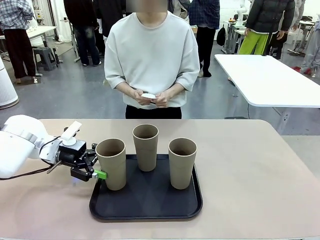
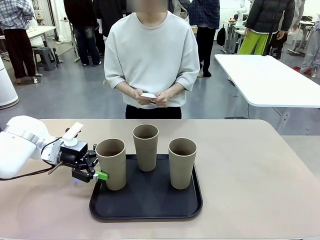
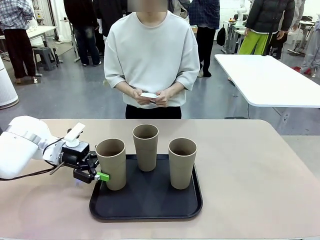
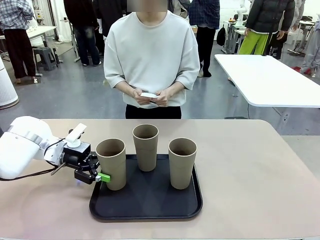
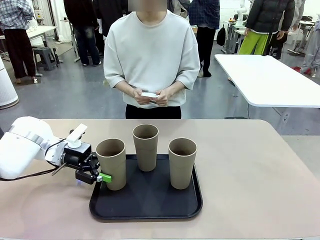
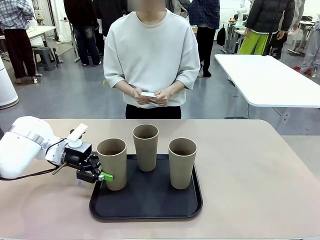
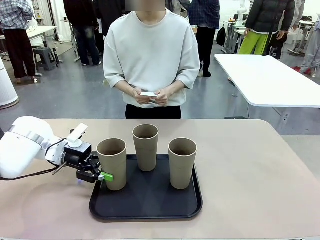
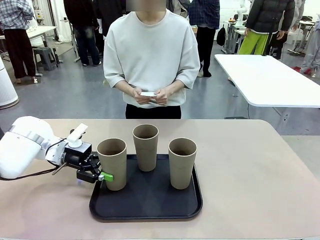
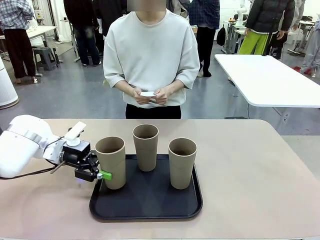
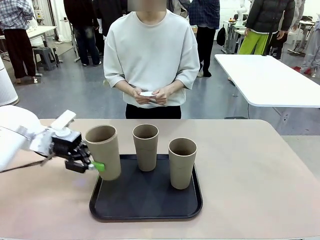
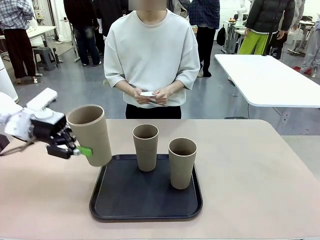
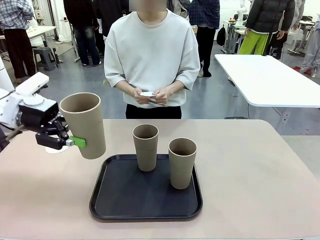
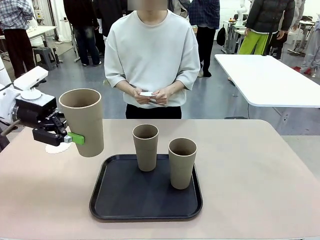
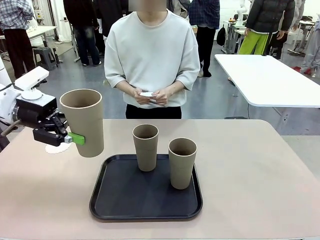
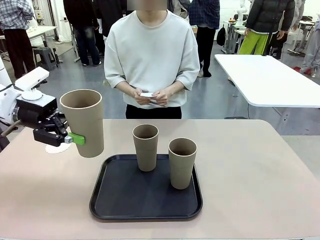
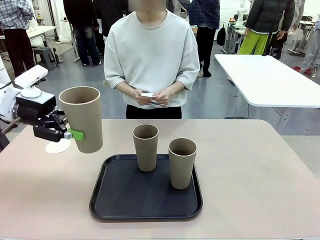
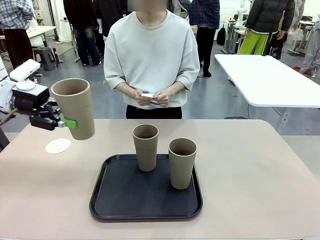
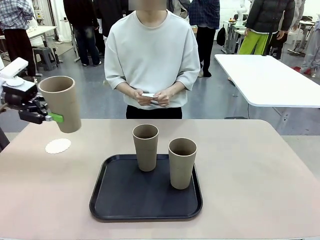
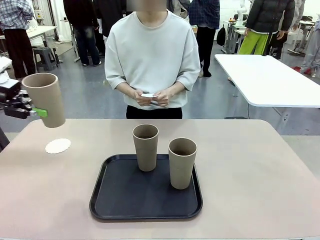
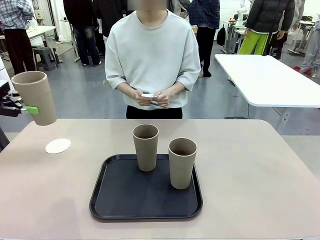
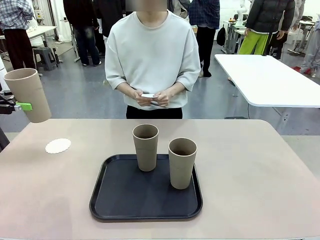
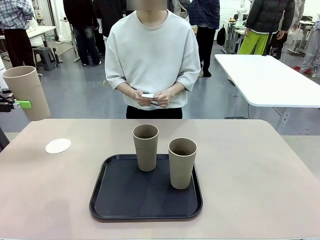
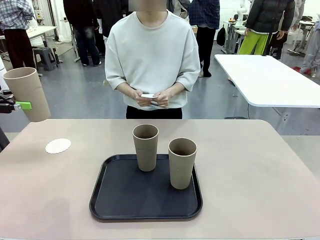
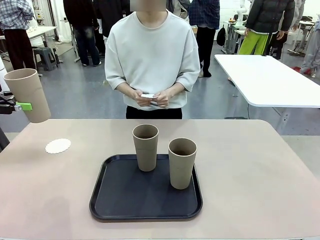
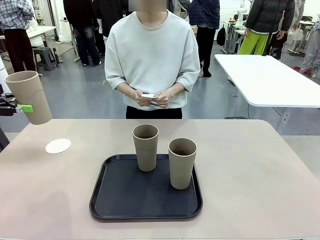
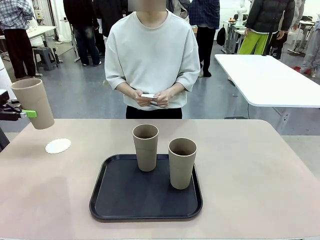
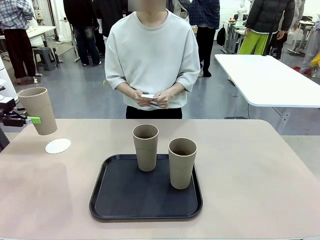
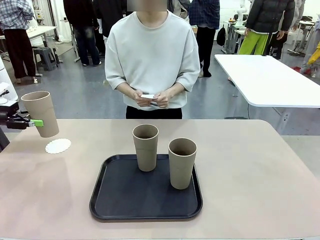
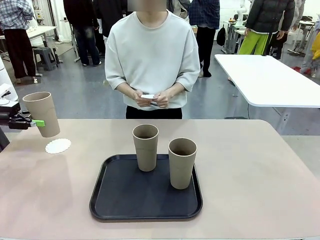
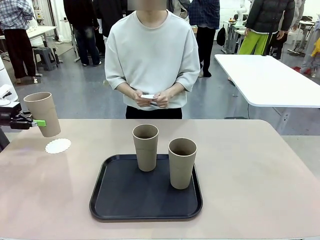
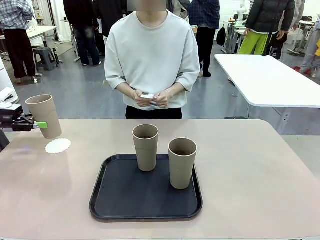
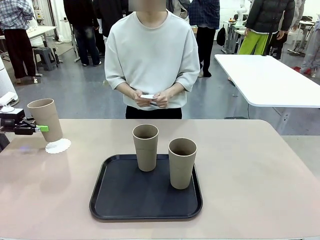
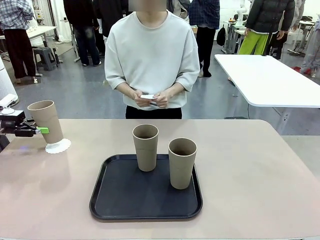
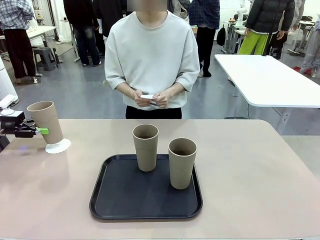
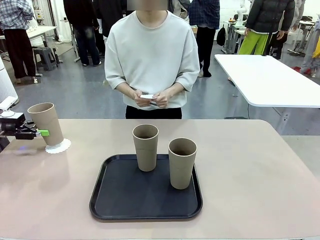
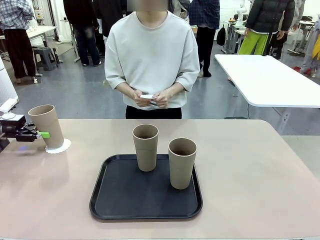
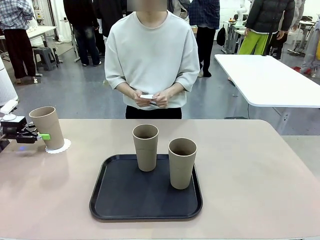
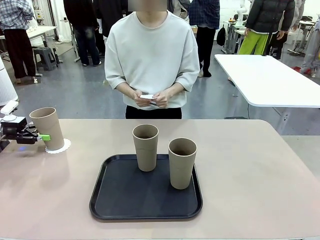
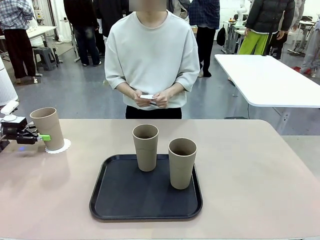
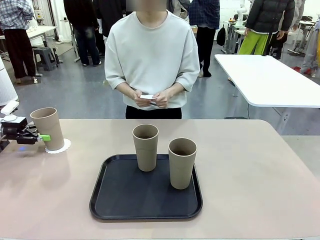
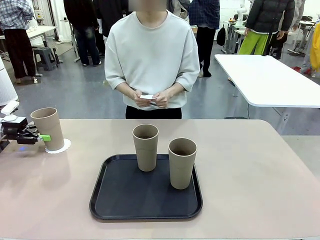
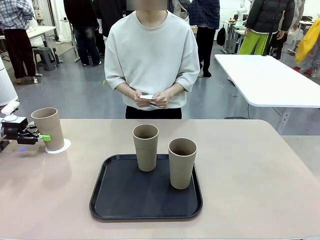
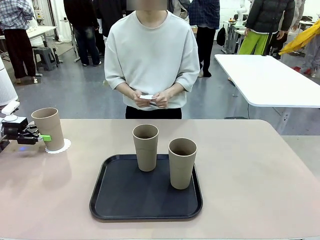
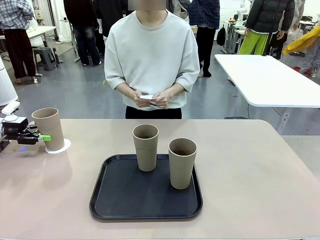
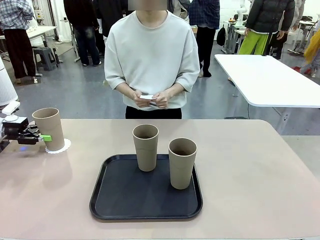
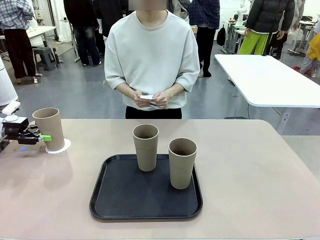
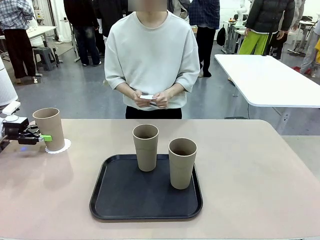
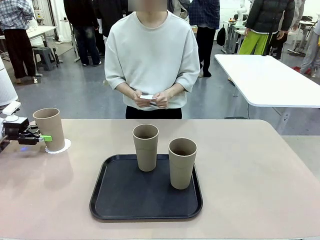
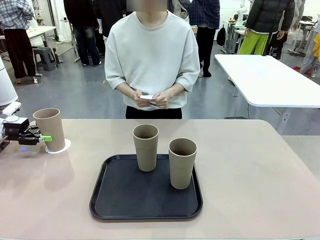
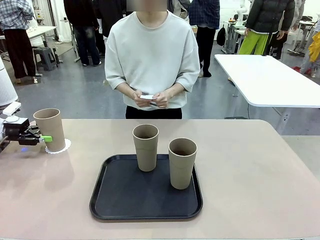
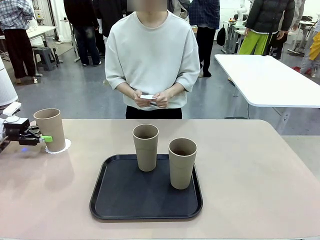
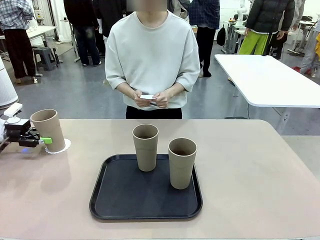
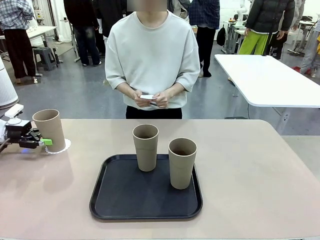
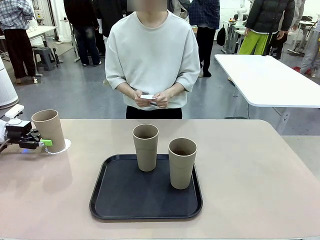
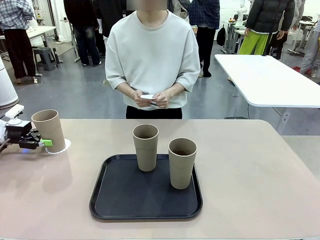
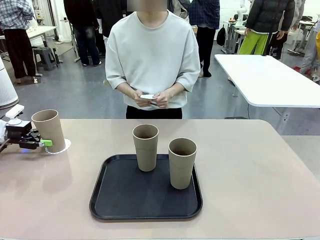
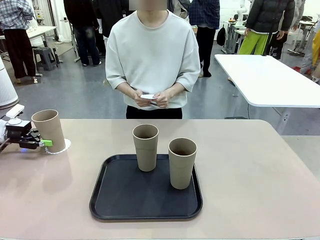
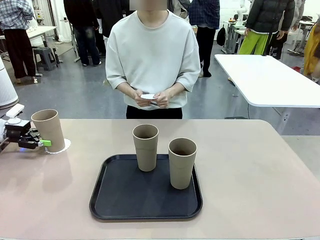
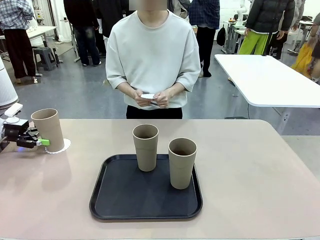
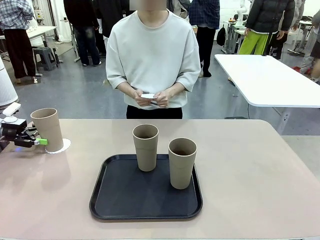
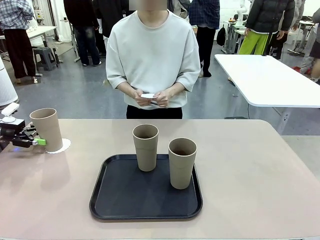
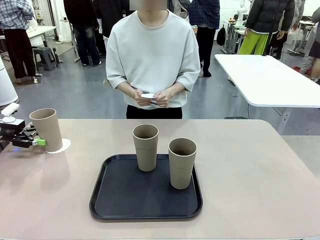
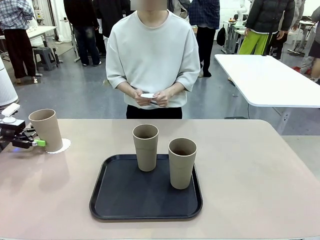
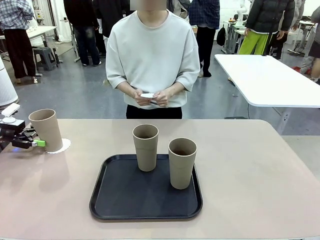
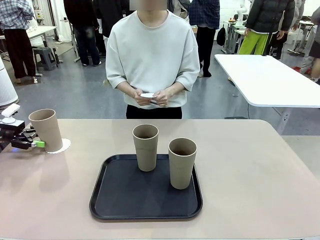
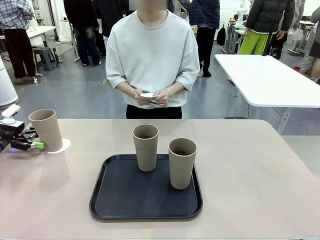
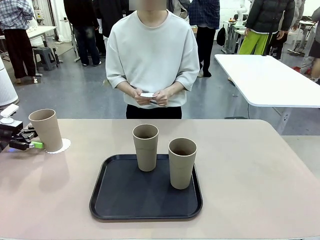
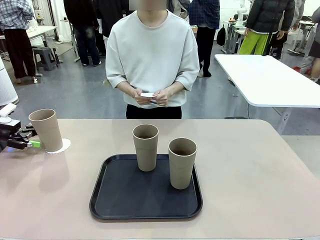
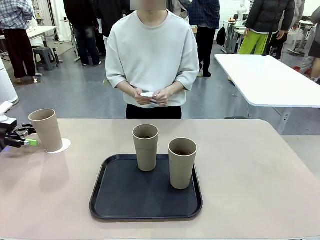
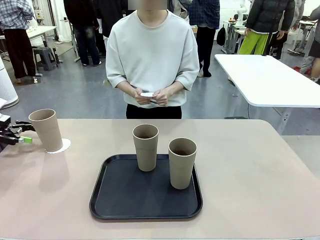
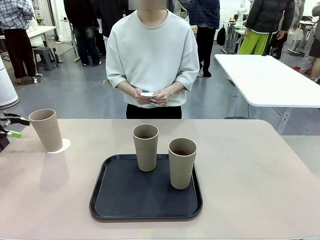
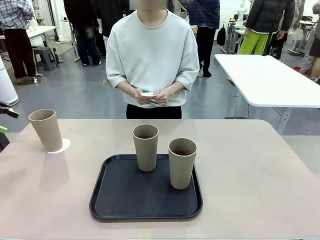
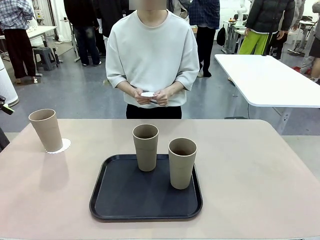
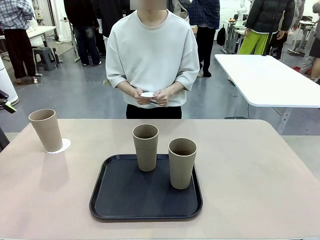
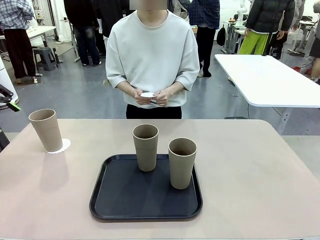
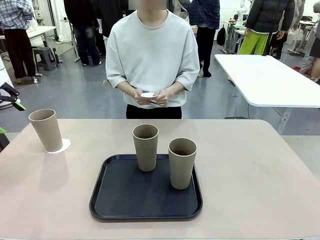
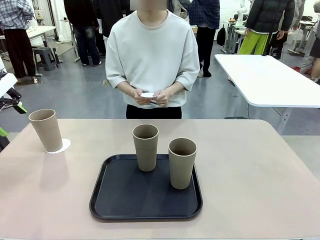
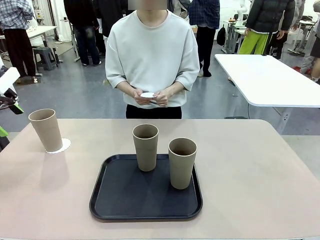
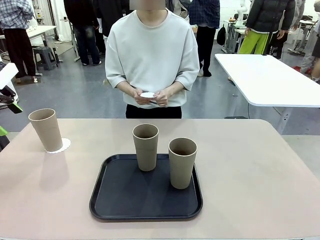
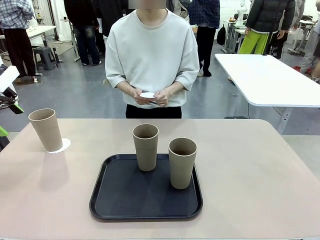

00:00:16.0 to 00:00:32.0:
Task: Place coasters on the table and set cups on them.
Robot: Pick up one Reusable plastic cup and place it on a coaster set by the human.
Person: Place one coaster in one of the two areas excluding the previously selected area.

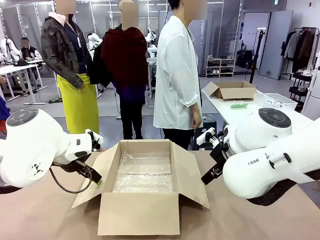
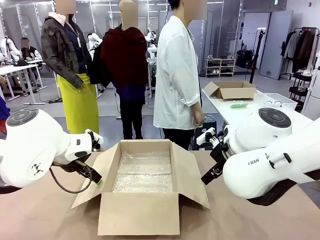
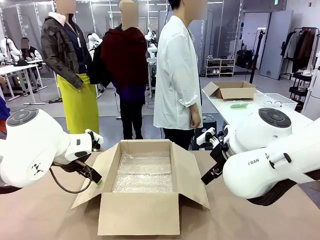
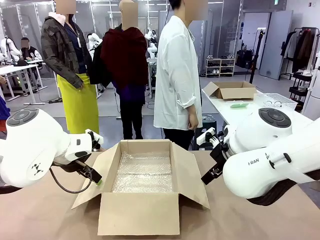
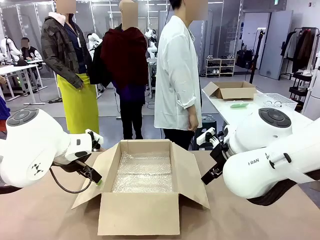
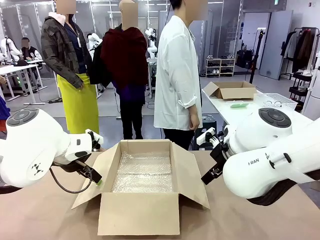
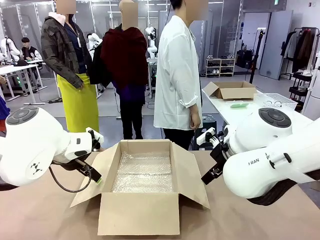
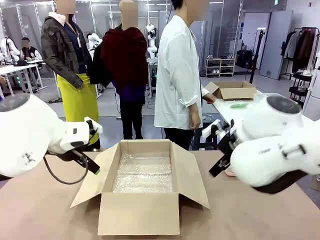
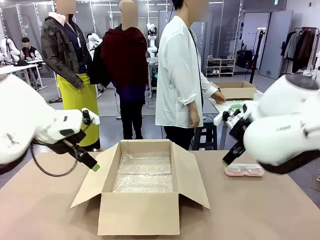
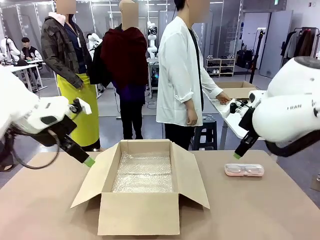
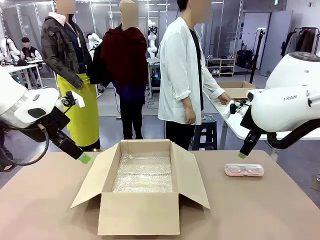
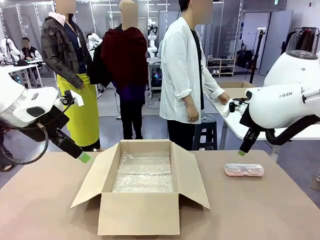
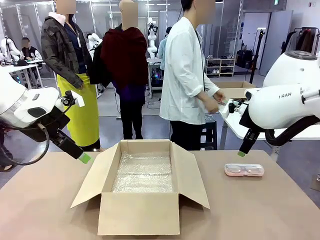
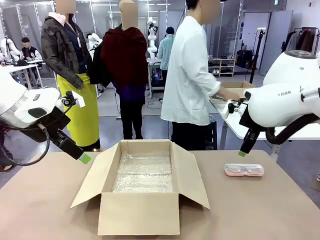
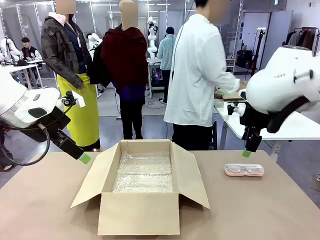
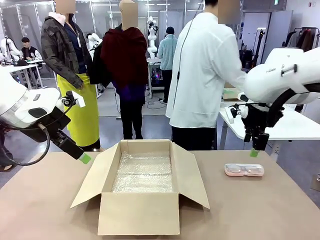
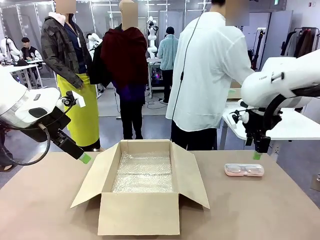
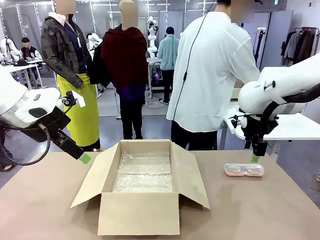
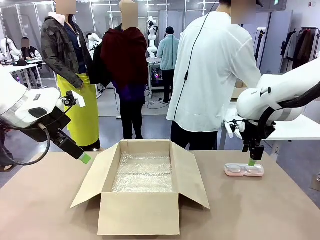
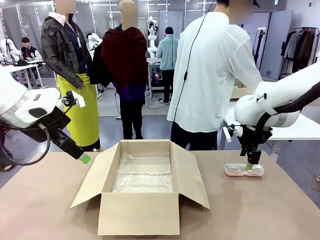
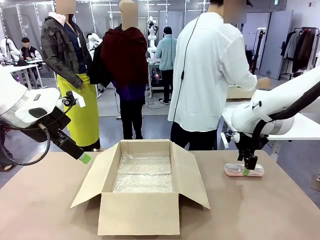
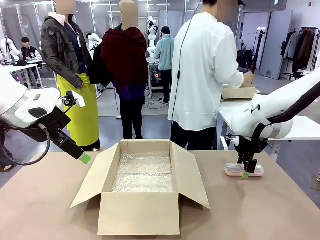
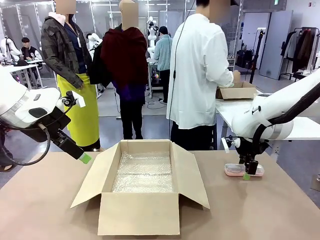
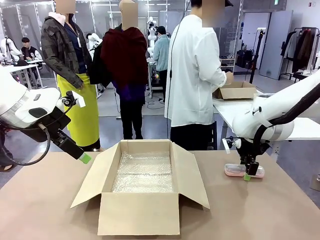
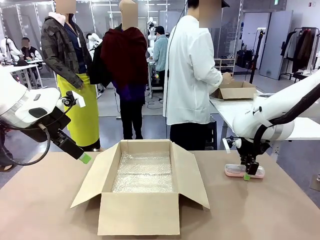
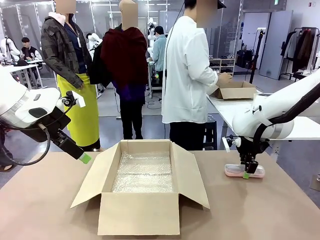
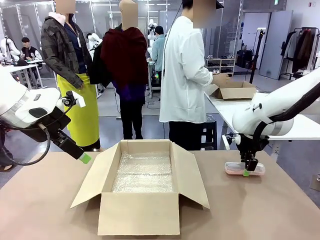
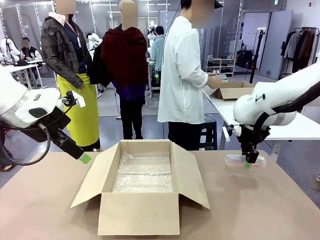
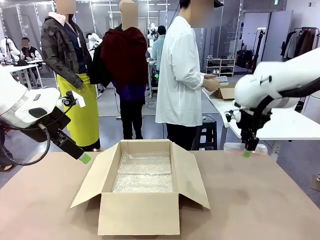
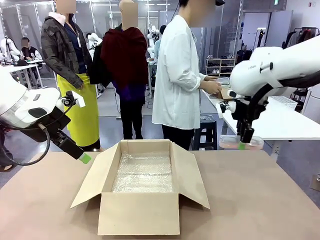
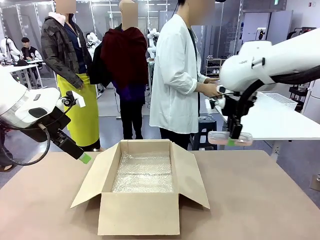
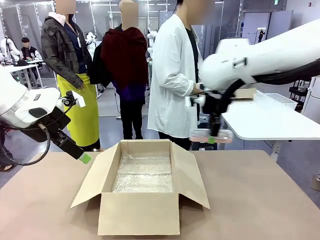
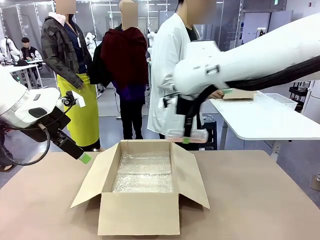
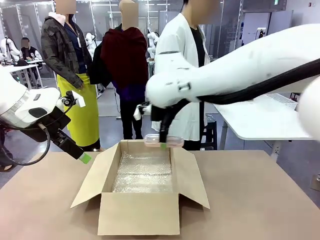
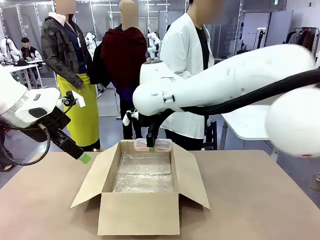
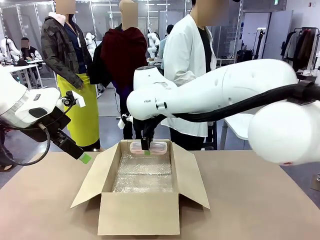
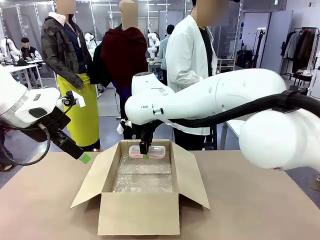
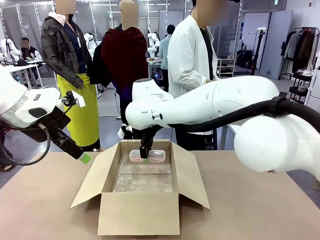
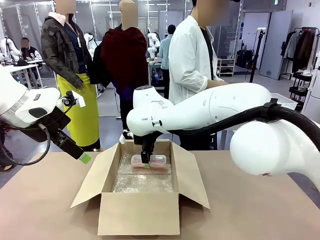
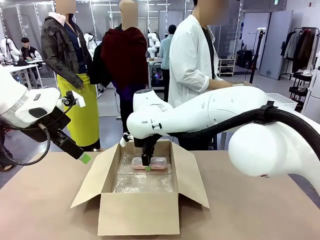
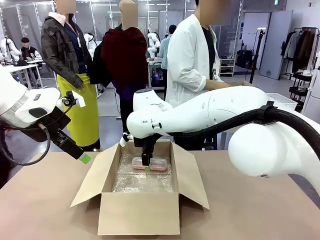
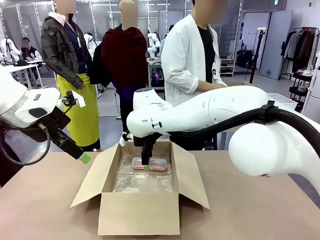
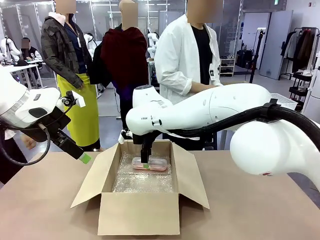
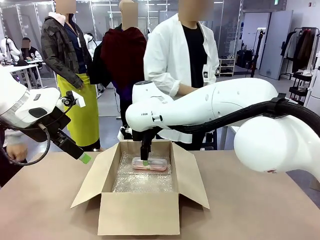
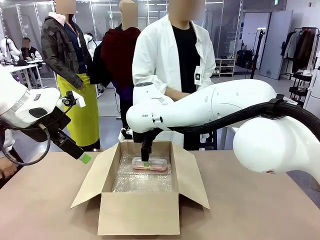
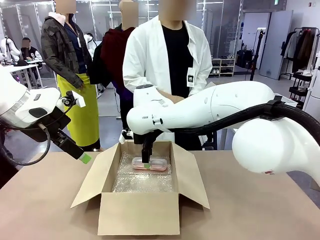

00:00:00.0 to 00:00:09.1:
Task: Pack the glasses set securely to prepare it for shipping.
Robot: Place the Glasses case inside the Package Box.
Person: Place the Glasses inside the Glasses case.
